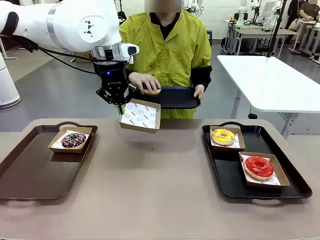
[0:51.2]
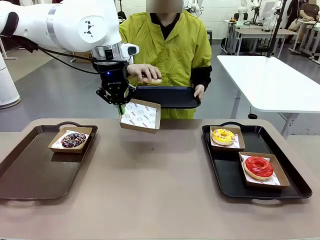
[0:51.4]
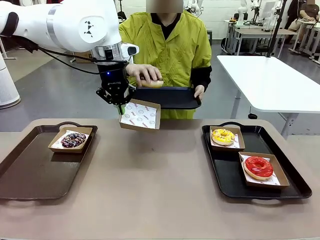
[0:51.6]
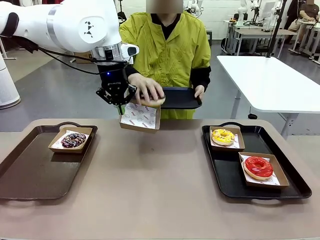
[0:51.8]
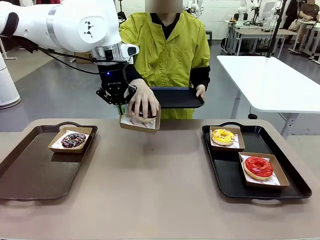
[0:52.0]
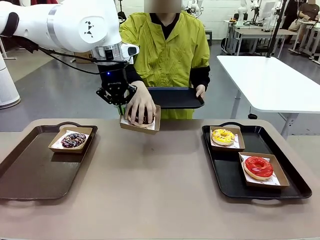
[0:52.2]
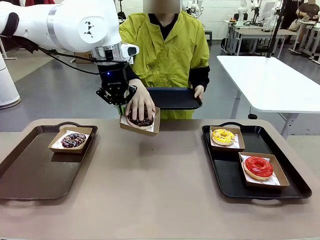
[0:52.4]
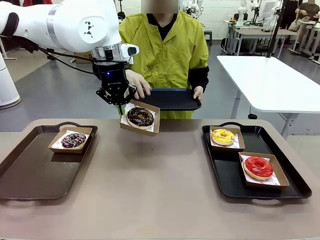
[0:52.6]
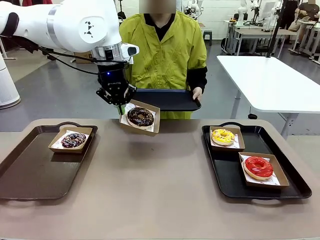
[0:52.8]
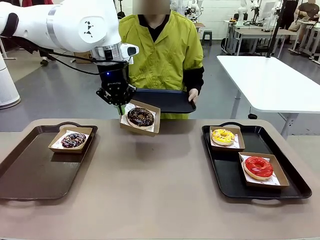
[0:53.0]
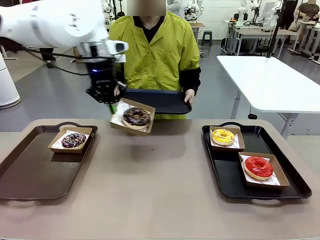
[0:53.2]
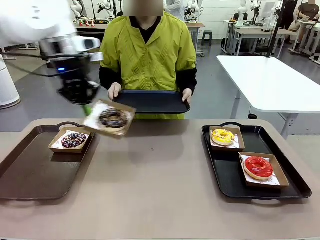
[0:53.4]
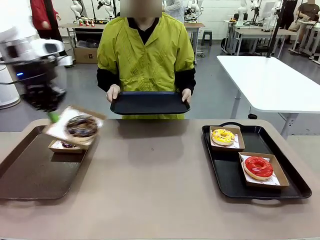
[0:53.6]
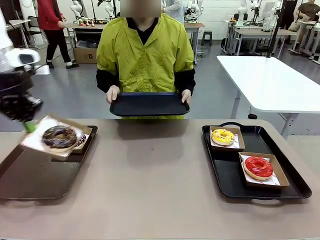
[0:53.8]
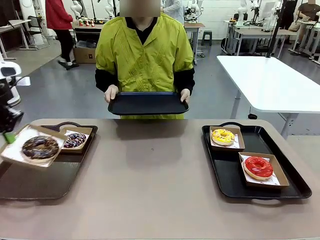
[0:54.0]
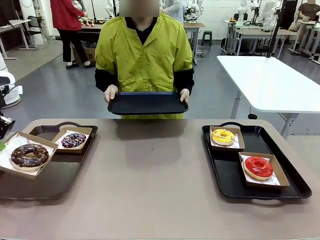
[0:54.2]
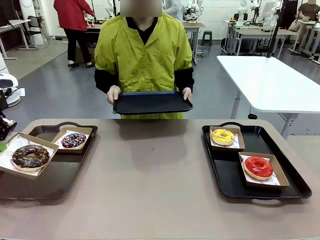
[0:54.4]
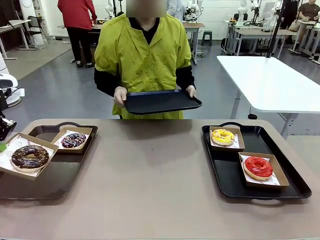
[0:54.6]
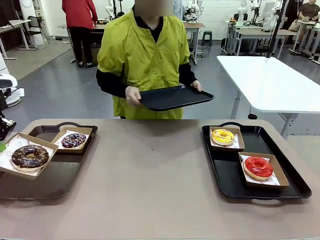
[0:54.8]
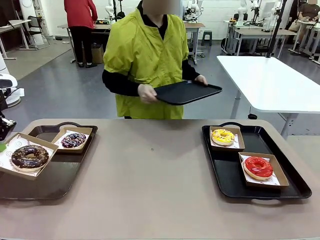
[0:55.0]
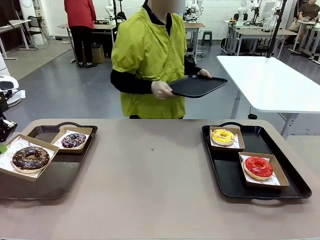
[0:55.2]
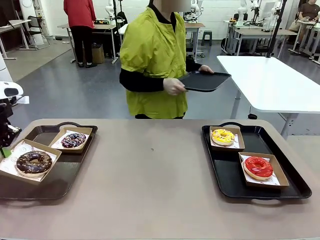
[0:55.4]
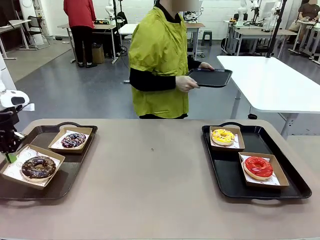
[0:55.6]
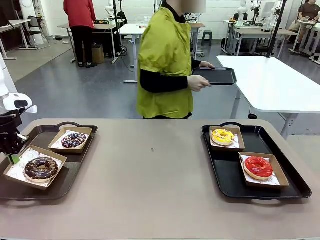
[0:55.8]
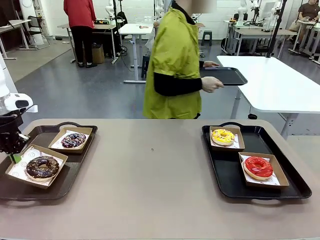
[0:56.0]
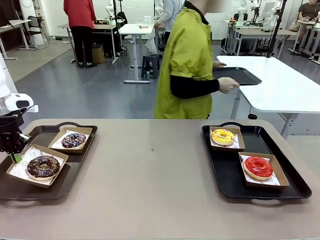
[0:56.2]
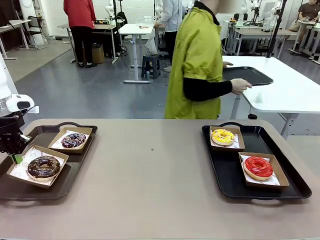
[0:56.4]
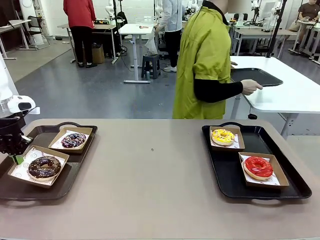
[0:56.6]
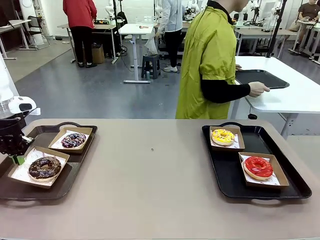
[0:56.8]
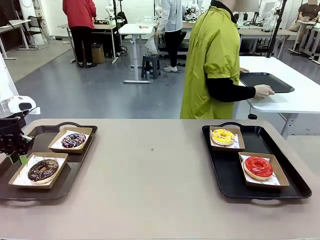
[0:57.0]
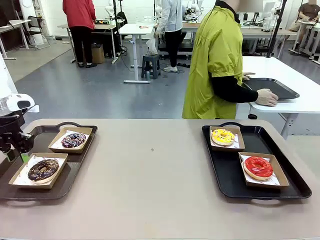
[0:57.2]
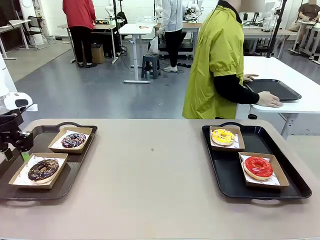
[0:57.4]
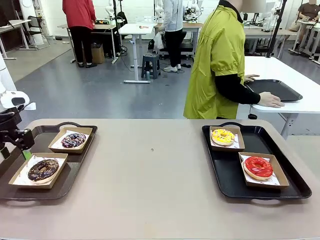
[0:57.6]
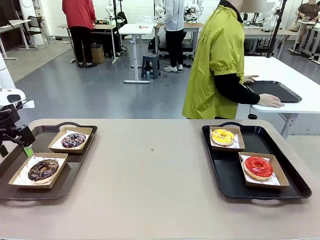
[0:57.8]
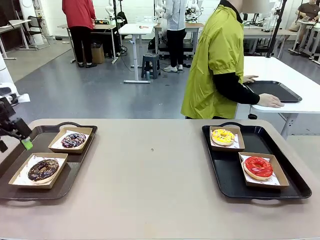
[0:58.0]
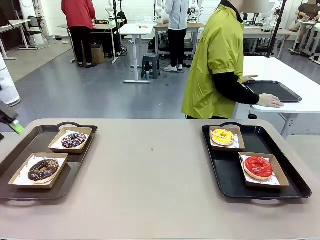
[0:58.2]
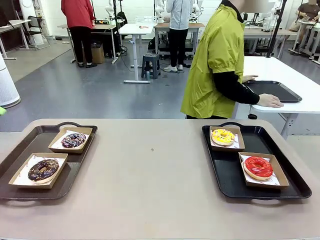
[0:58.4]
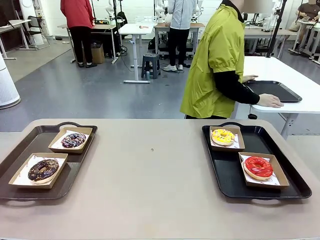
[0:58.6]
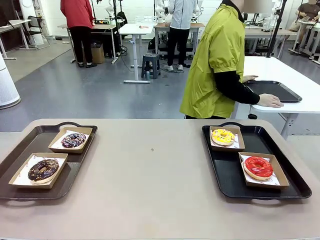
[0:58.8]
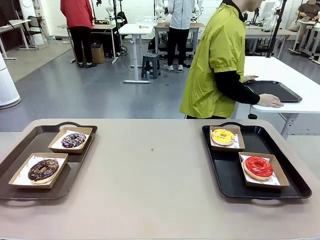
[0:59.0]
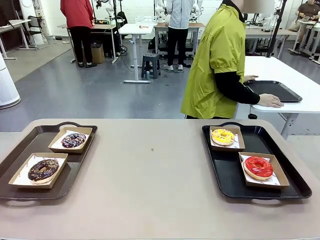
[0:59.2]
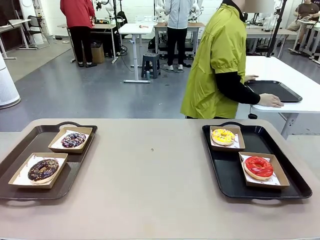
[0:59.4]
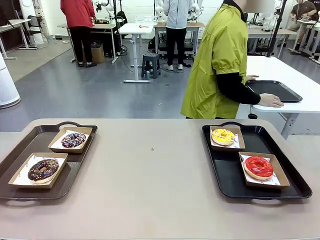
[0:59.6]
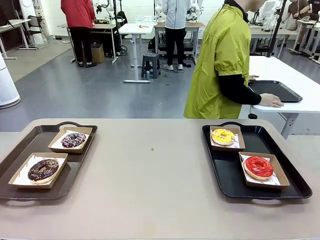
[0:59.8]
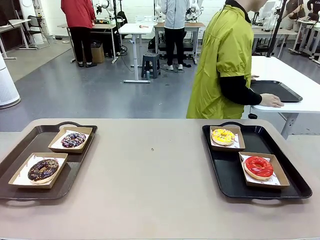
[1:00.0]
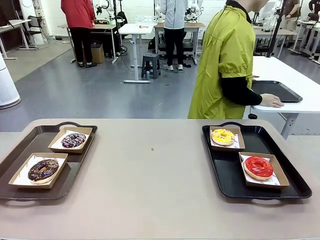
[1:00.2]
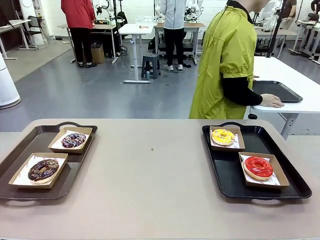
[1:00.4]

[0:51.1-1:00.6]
Task: Individually package the donuts and arrange them on the tray.
Robot: Place the picked Paper togo box on the Handle tray.
Person: Place the tray down in the middle of the human table.

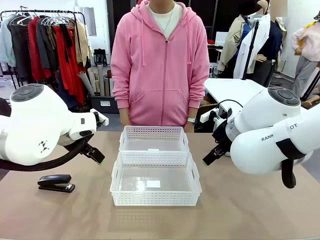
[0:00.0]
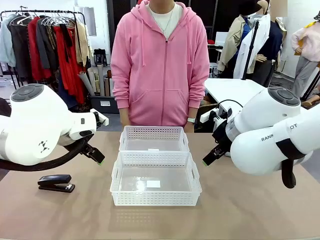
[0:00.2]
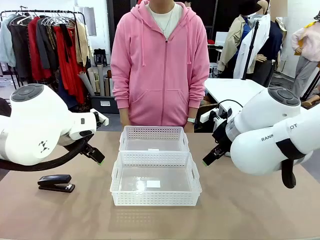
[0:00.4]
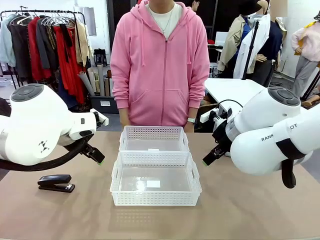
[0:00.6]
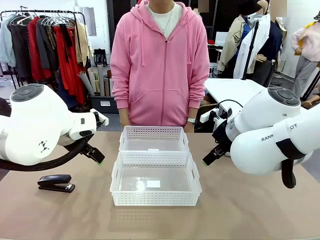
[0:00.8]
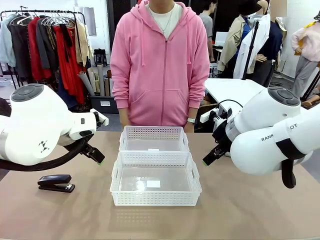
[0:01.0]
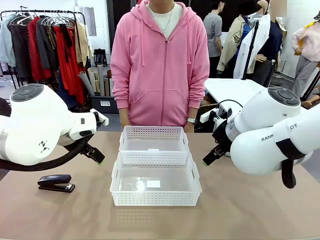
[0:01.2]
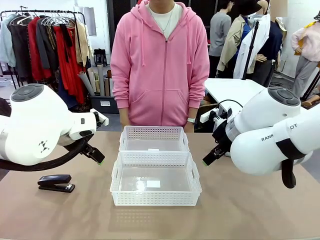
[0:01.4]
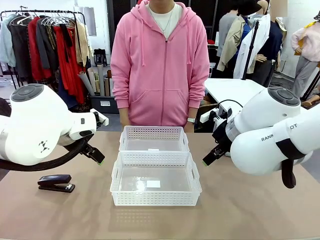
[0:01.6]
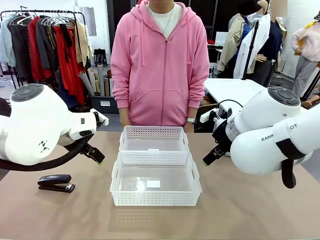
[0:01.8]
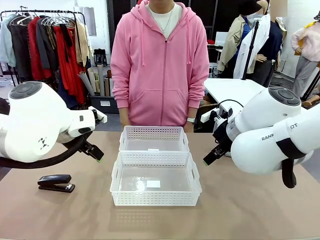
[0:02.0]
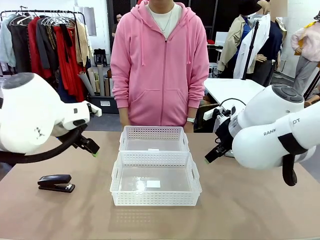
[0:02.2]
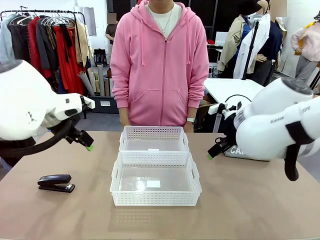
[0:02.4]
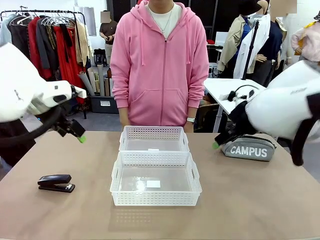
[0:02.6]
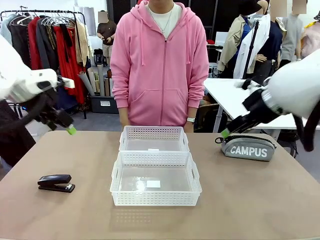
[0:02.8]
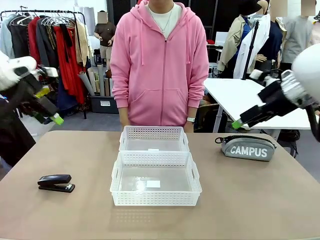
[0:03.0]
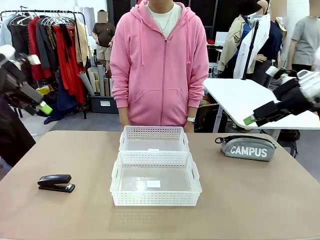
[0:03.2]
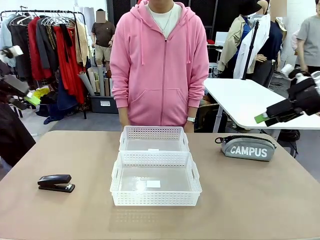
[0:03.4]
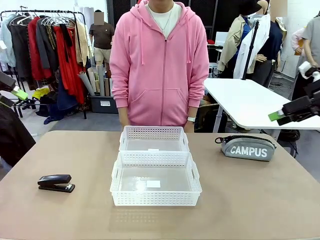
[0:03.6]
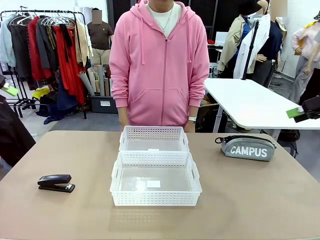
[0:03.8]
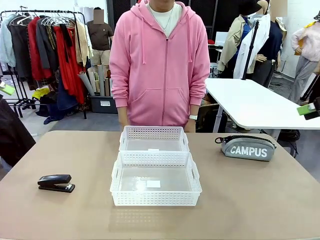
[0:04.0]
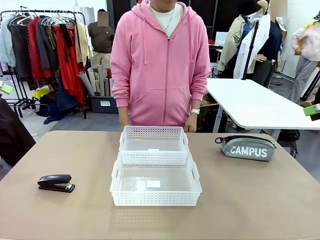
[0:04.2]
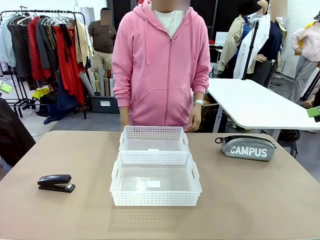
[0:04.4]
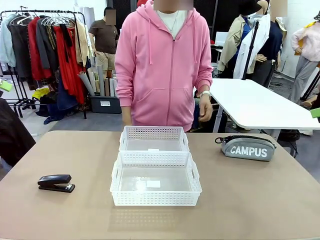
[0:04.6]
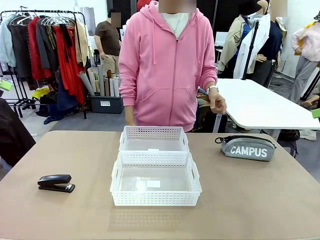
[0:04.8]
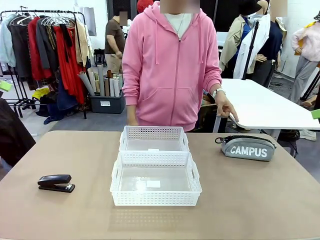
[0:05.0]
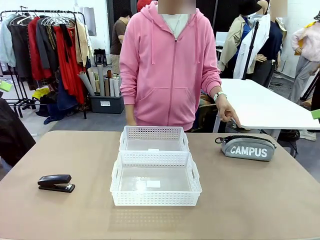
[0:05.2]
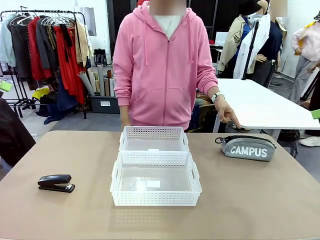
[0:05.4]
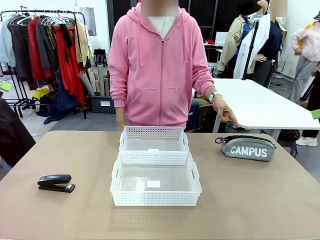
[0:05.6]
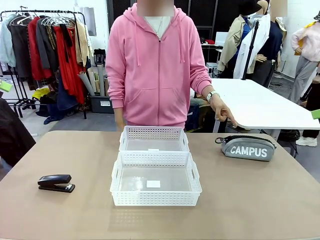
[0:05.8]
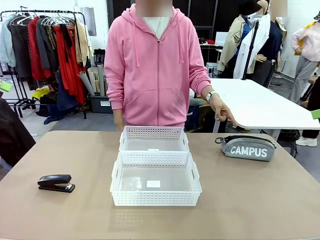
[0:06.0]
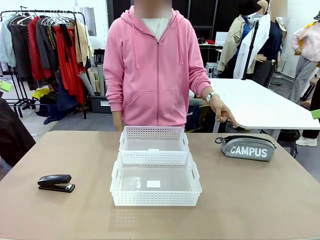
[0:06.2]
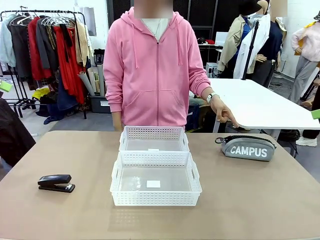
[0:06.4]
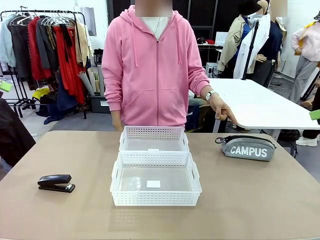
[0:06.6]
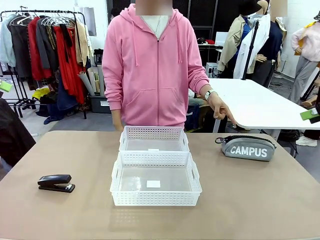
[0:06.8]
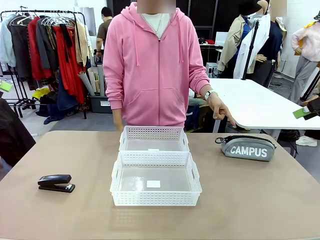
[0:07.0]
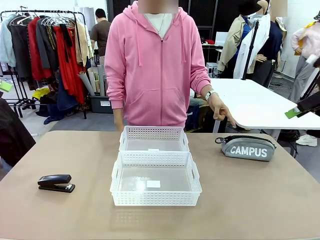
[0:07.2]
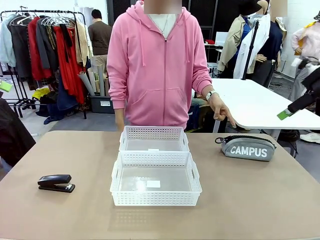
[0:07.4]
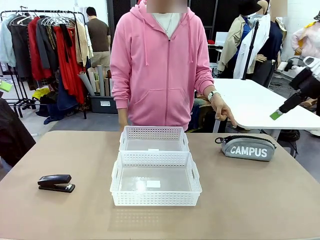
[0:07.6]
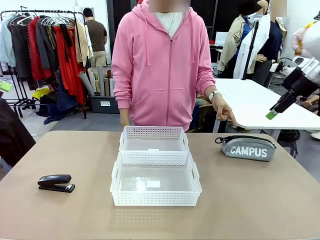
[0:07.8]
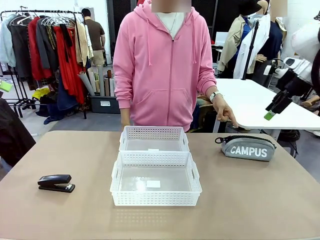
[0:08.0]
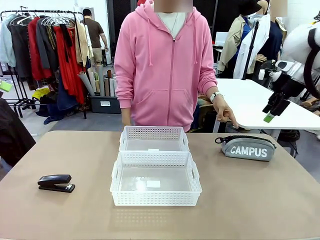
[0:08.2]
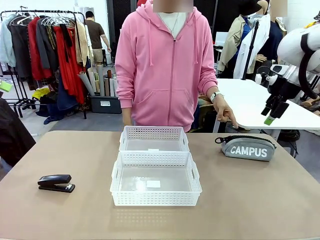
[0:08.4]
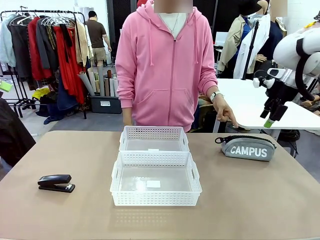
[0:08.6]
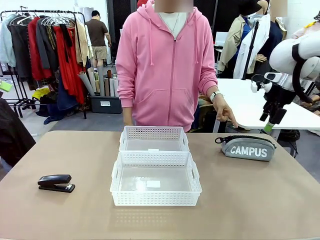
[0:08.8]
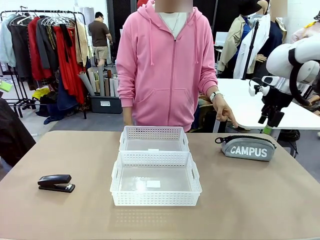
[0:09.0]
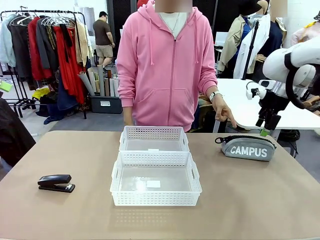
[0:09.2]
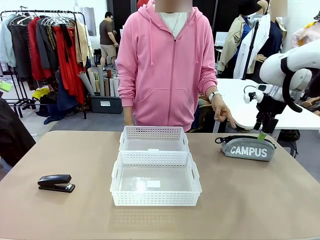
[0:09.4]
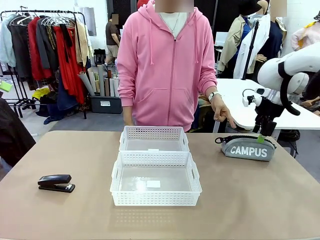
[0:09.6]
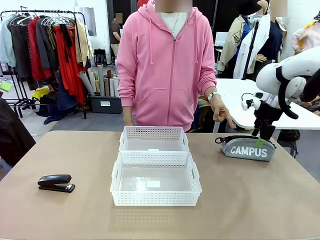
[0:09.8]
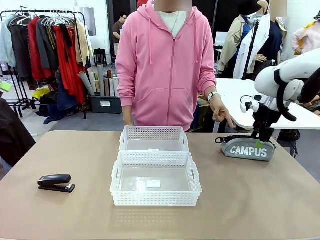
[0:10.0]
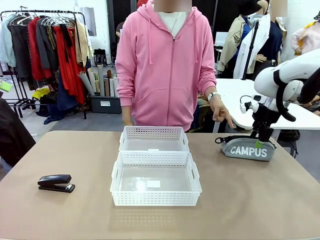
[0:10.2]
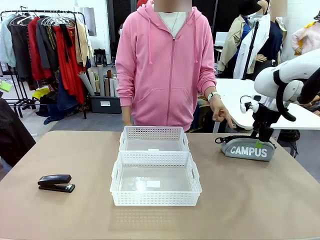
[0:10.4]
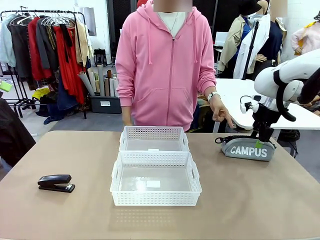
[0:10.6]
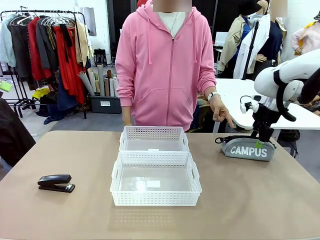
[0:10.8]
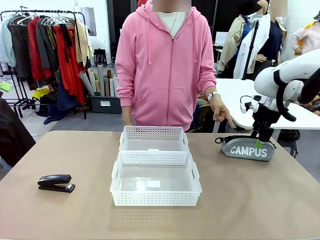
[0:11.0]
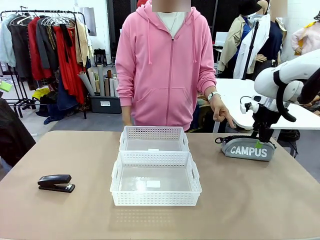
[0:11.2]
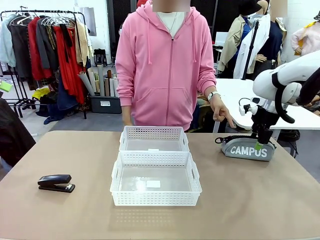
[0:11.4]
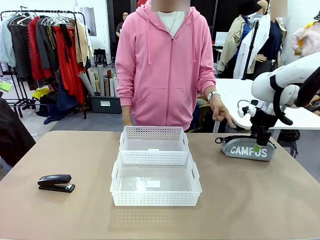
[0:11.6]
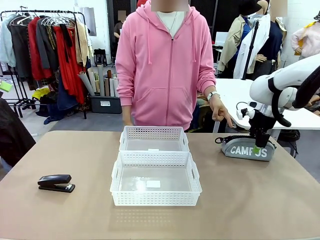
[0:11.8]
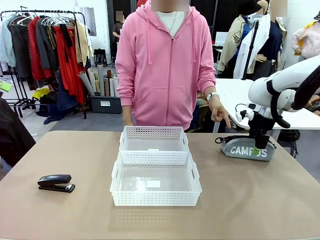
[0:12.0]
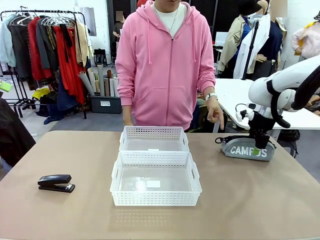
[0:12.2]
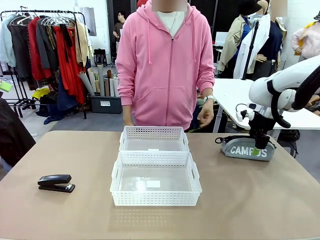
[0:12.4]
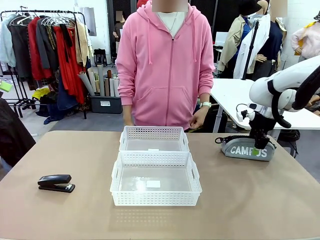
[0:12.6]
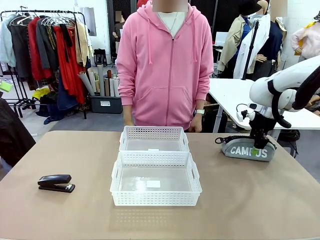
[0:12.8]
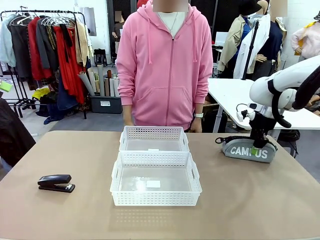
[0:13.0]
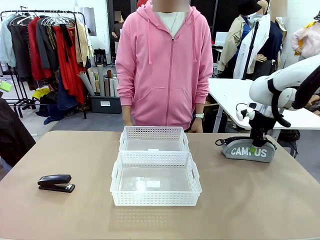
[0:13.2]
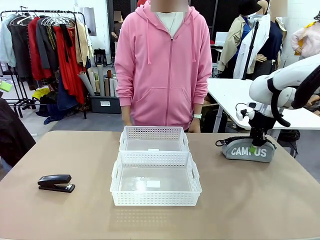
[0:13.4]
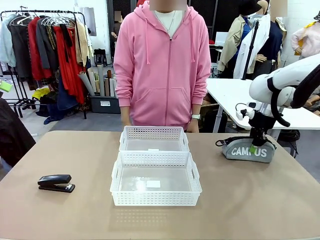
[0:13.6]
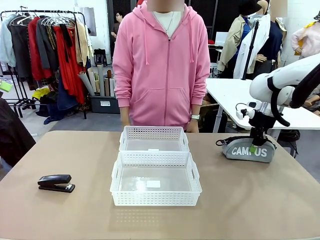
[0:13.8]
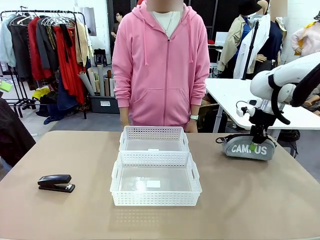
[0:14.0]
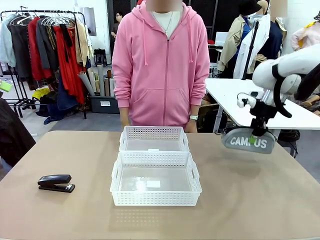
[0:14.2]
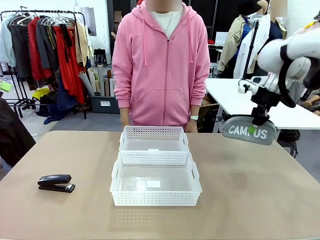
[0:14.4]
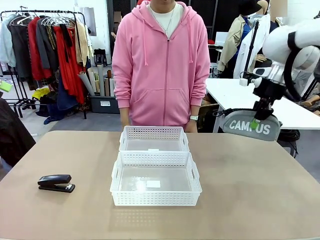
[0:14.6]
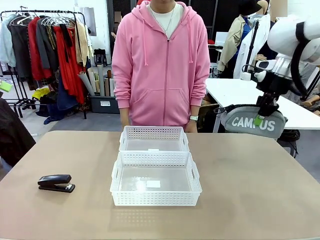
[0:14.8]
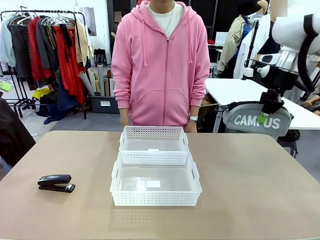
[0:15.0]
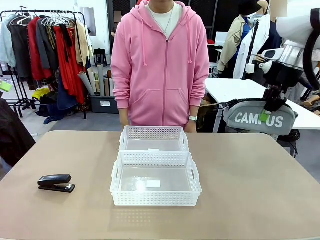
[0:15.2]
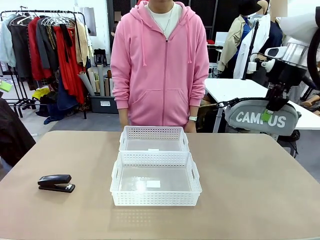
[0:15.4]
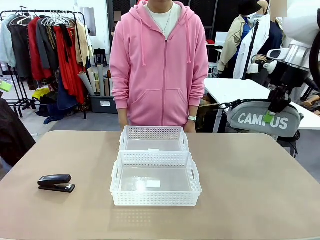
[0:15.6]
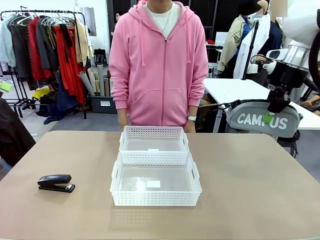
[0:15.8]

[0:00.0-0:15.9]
Task: Distribute items into two baskets.
Robot: Pick up the Pencil pouch that the person points to.
Person: Points to the pencil case. Points between the two organizing baskets and instructs the robot to move the pencil case.
